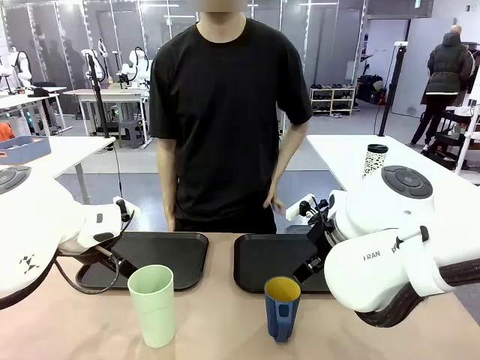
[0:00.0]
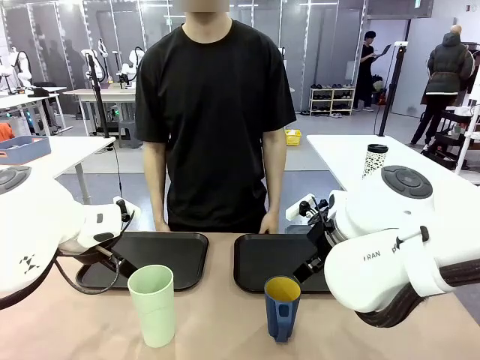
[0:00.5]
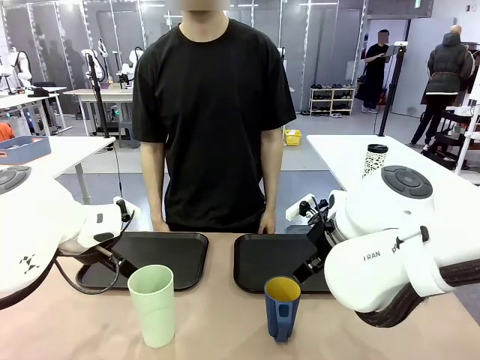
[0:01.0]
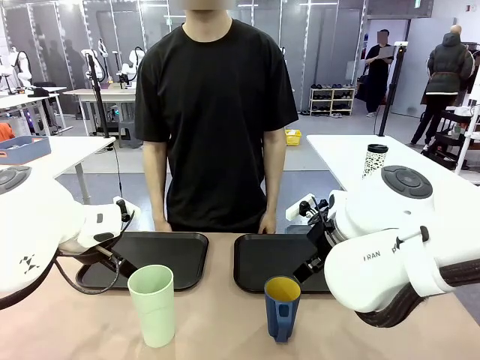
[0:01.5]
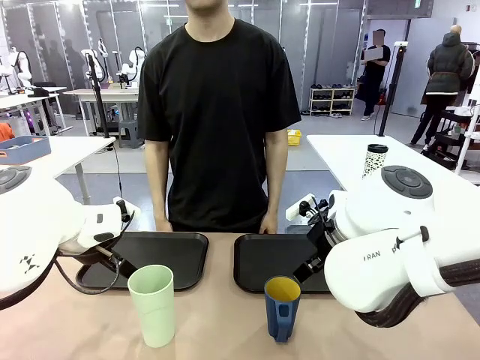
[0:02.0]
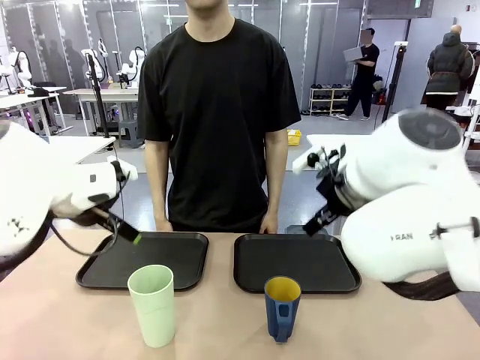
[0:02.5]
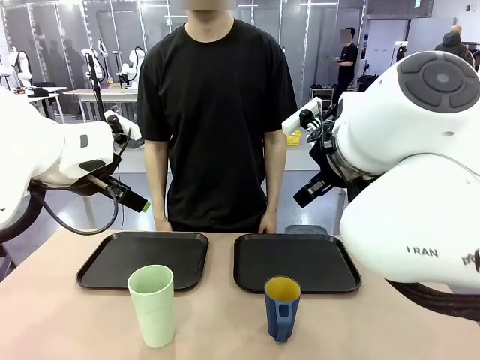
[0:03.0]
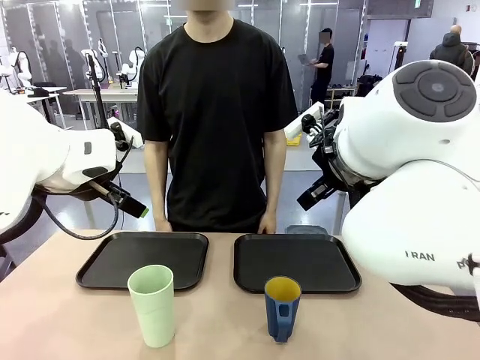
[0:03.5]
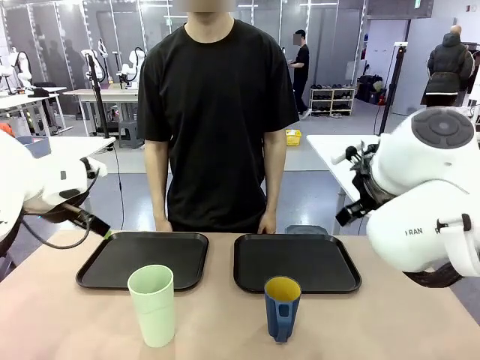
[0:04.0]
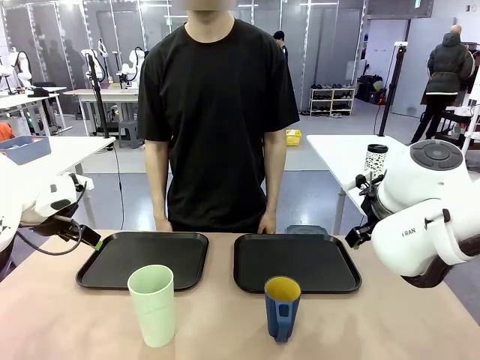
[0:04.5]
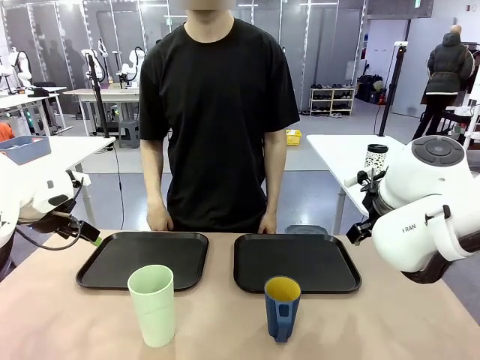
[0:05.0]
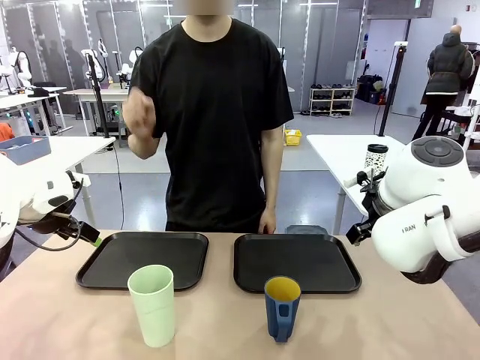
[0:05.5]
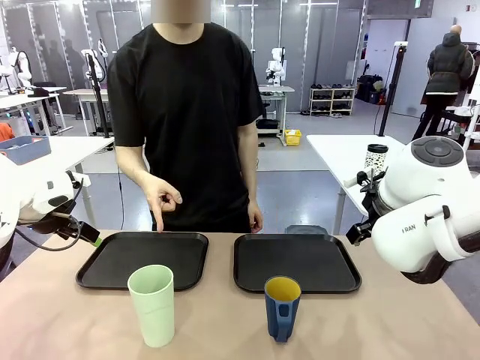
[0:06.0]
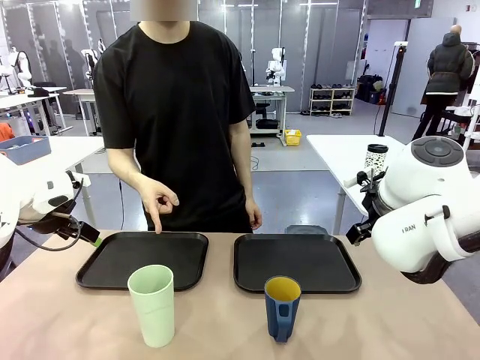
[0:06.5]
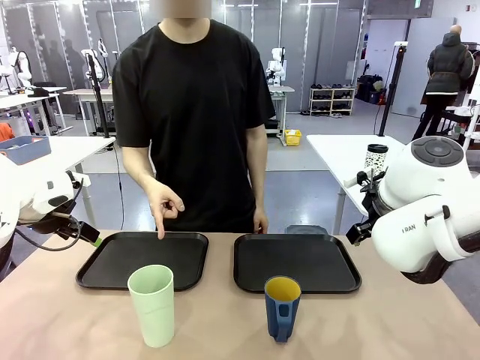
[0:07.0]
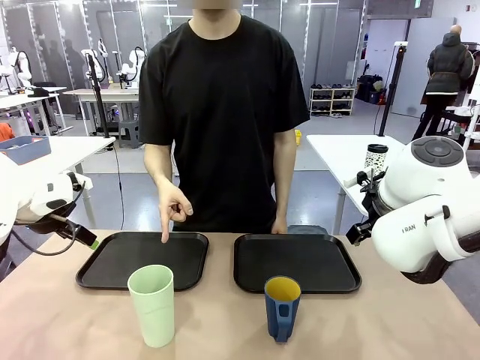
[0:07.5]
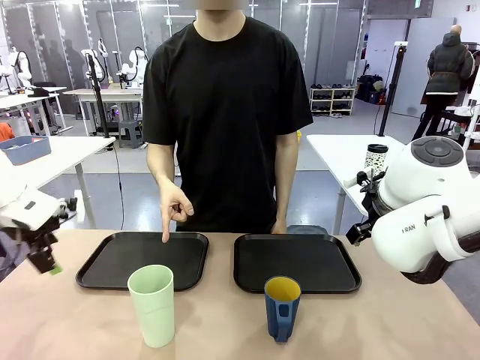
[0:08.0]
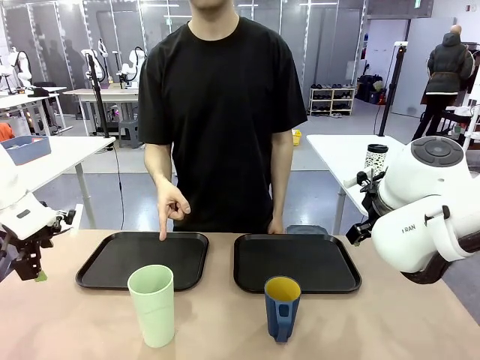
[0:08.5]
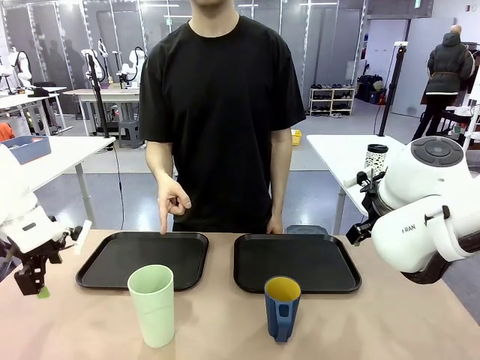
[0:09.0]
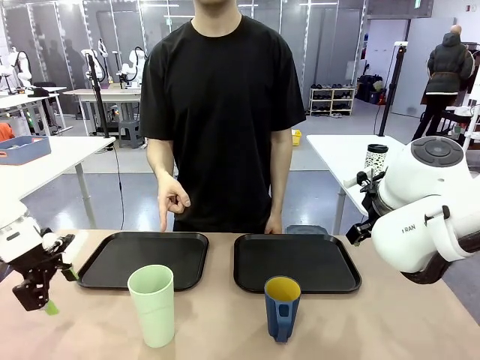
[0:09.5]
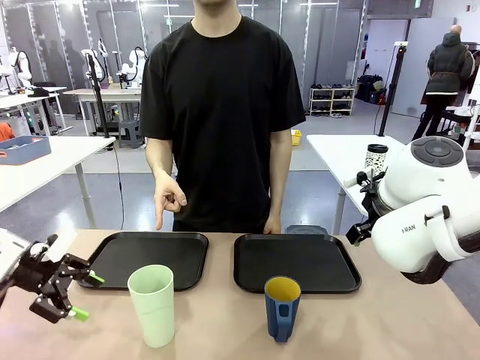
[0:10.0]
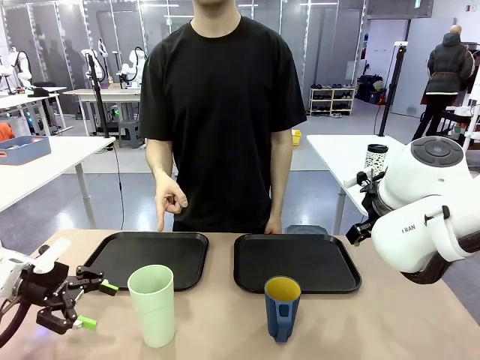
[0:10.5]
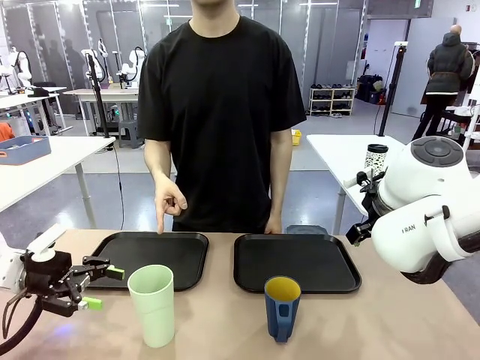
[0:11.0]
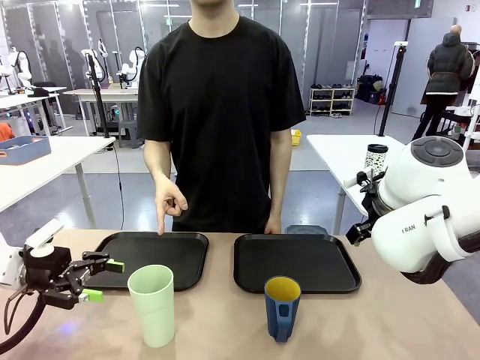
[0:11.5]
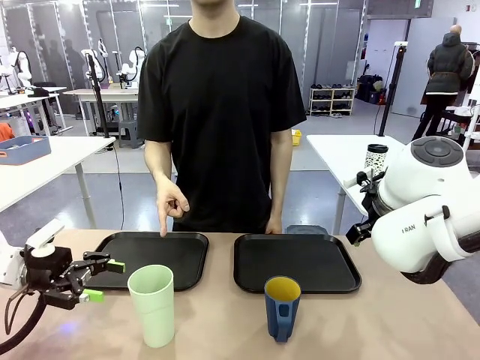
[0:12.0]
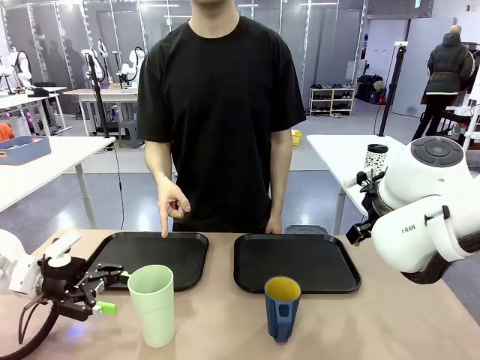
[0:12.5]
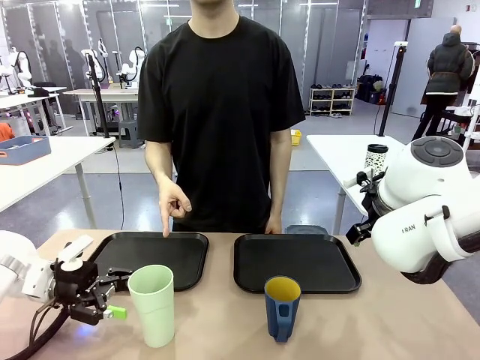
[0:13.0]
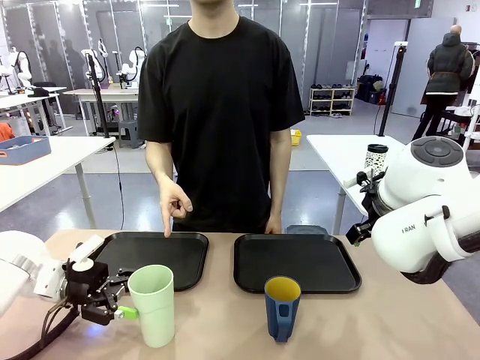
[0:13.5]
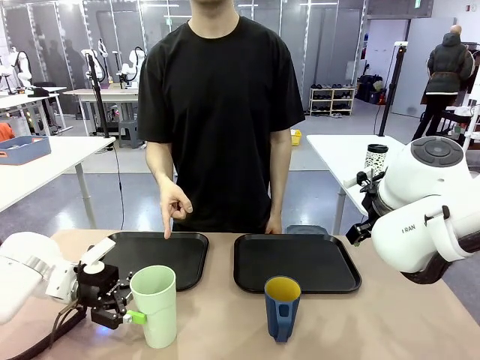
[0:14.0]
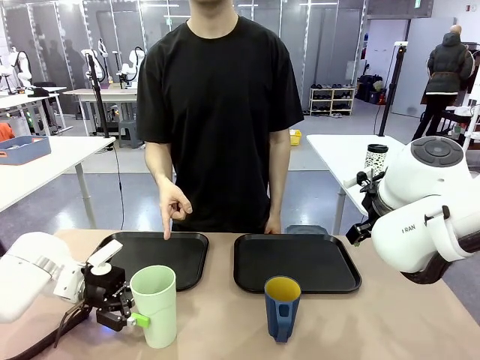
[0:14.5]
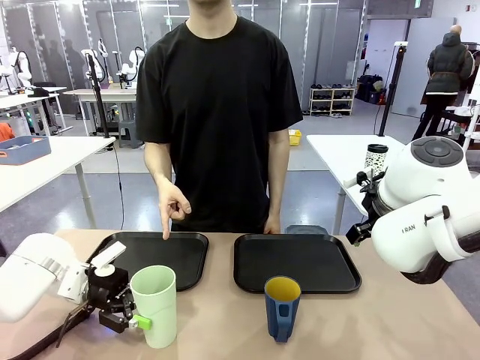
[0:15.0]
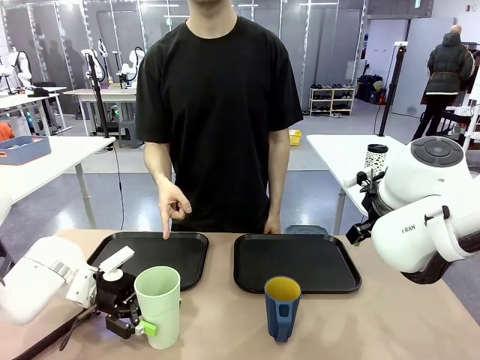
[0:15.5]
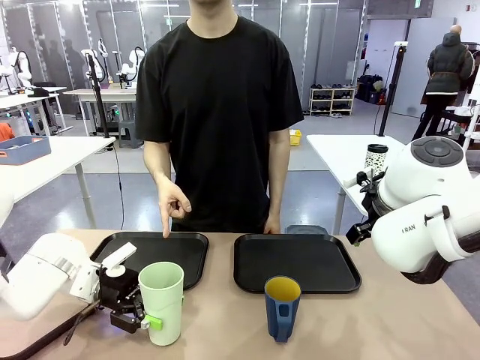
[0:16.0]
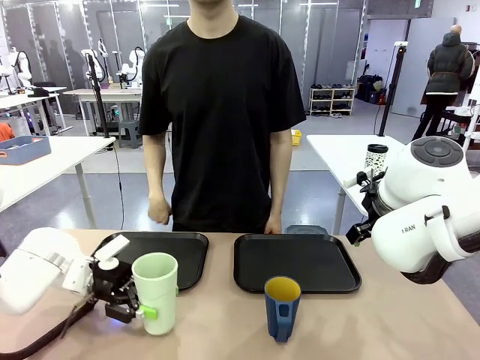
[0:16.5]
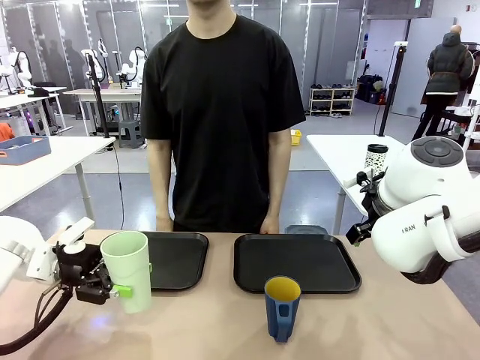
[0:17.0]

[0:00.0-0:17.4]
Task: Sort and store the cups by type.
Robot: Pick up the Reusable plastic cup.
Person: Points to the reusable cup. Point to one of the two trays.

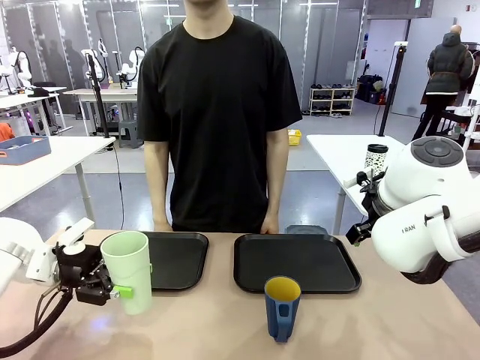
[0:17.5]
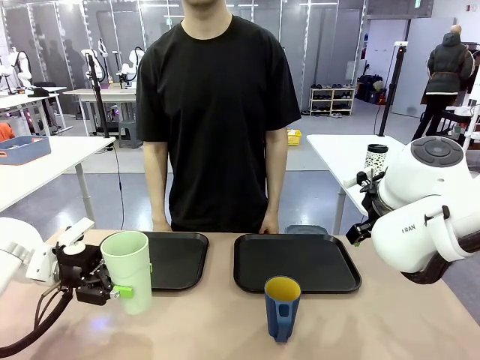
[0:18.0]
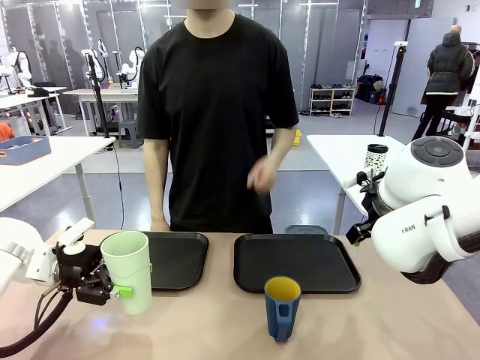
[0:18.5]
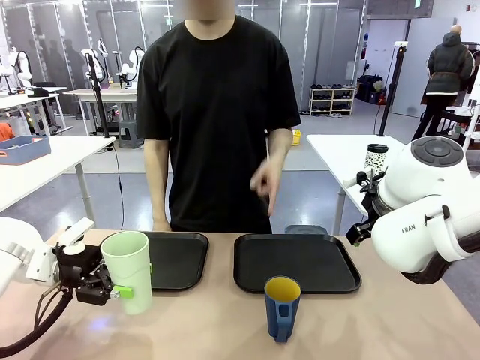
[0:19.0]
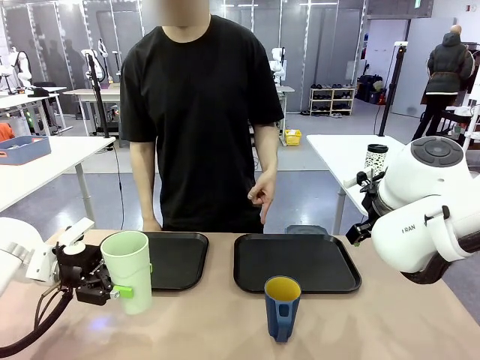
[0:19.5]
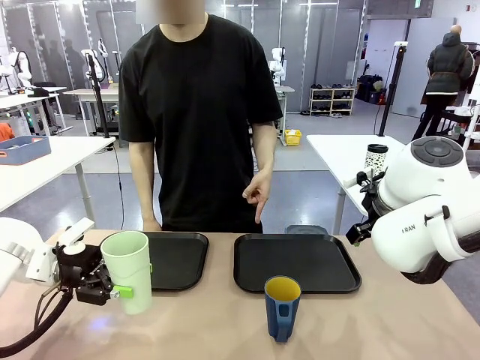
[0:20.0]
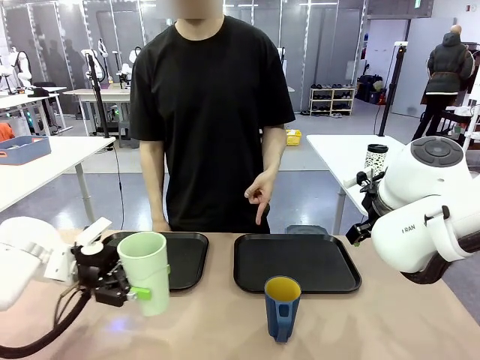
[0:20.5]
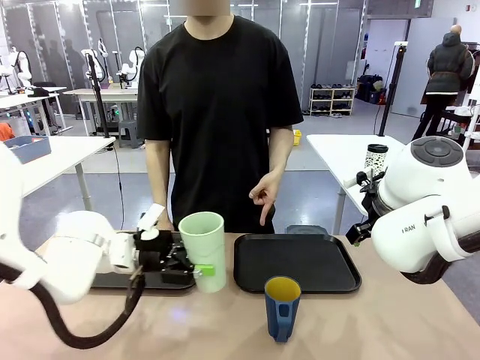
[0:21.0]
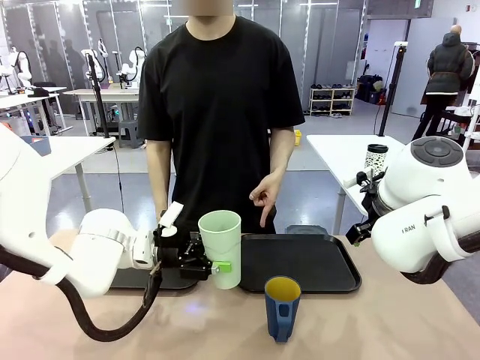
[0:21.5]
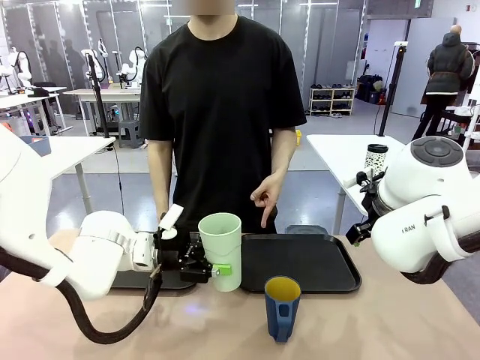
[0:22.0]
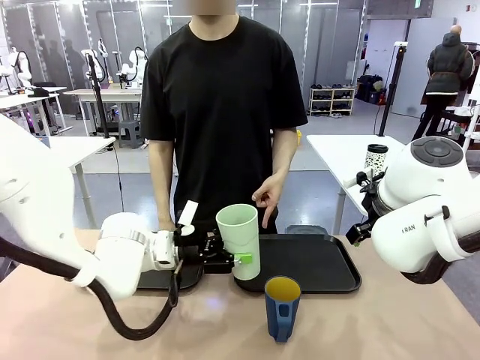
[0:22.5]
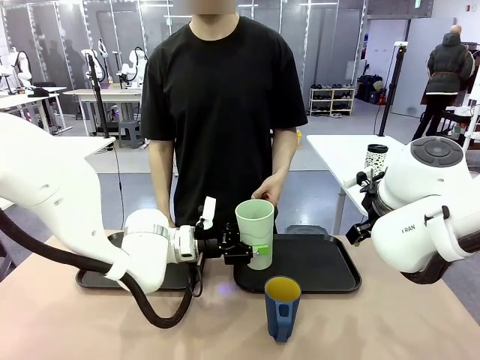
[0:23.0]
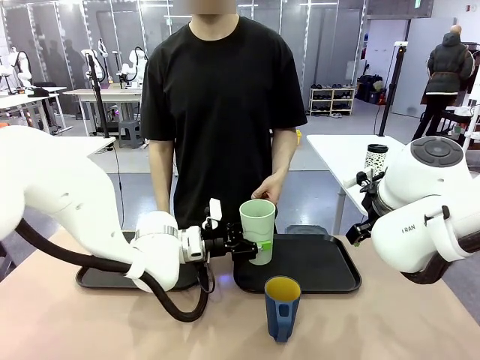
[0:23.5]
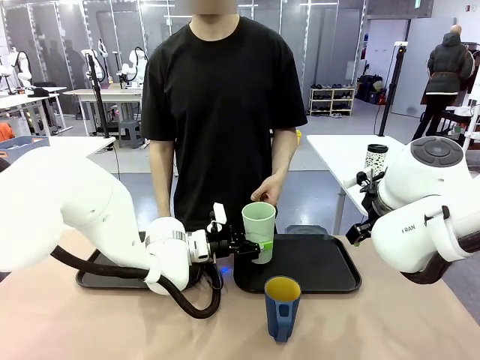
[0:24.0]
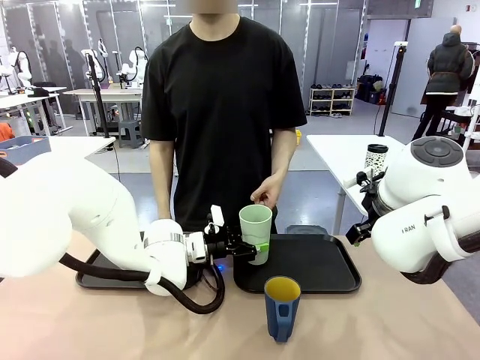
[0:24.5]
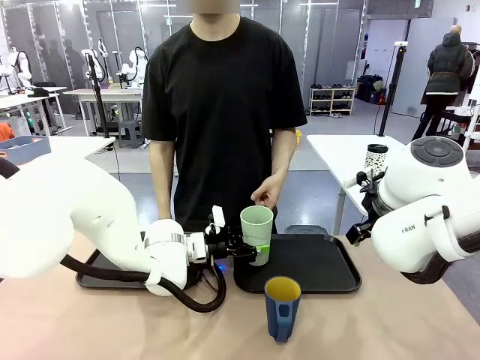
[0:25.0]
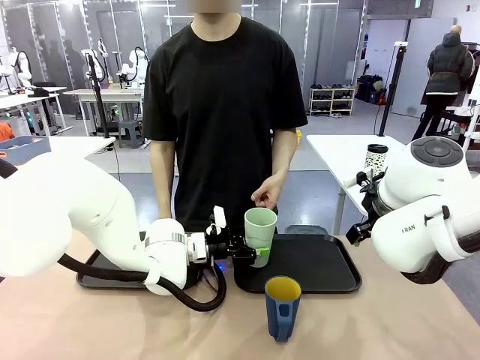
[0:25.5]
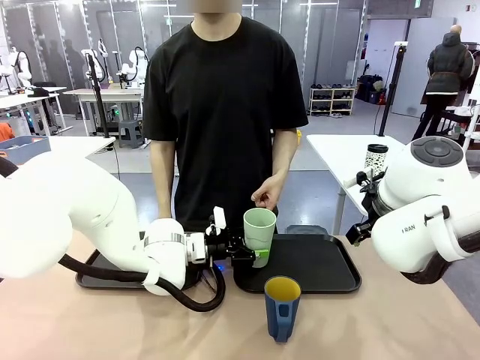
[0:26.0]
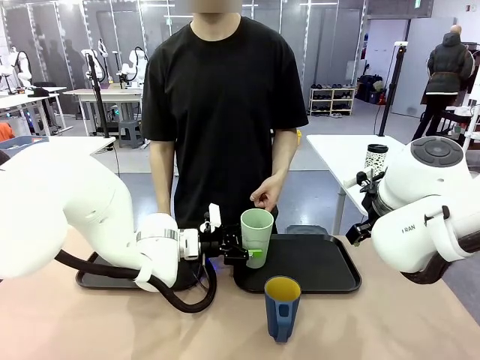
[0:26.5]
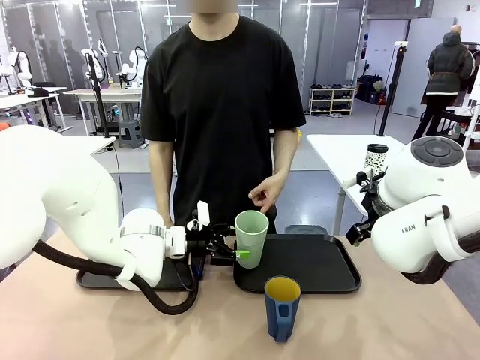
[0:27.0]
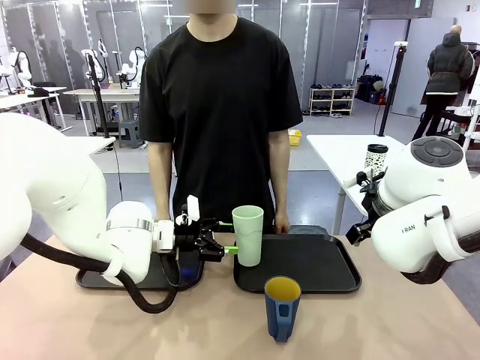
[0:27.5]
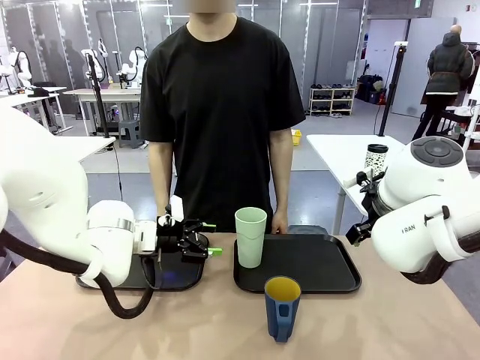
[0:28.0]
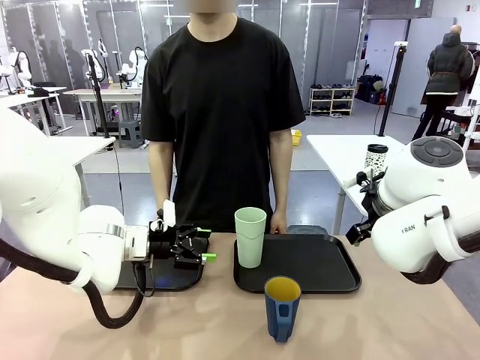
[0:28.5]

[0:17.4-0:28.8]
Robot: Place the picked Reusable plastic cup into the Flat Tray indicated by the person.
